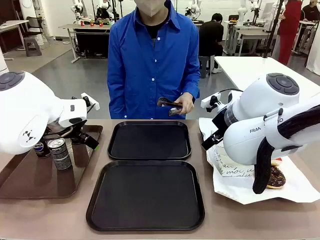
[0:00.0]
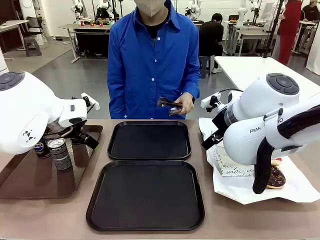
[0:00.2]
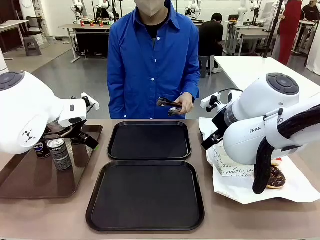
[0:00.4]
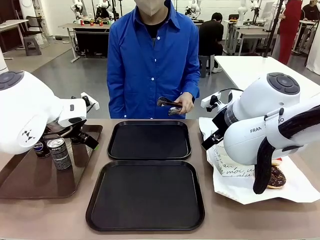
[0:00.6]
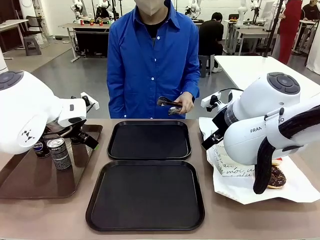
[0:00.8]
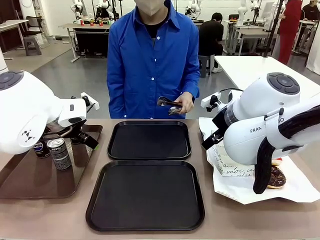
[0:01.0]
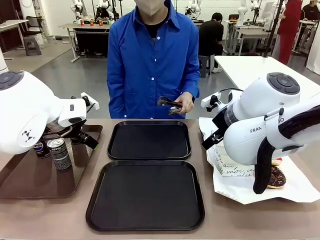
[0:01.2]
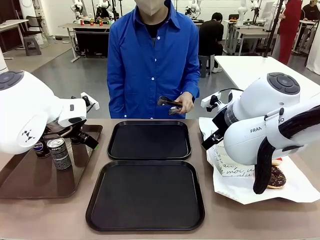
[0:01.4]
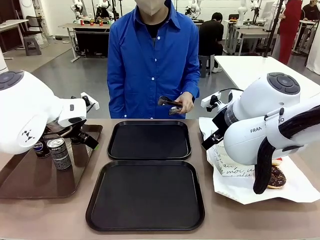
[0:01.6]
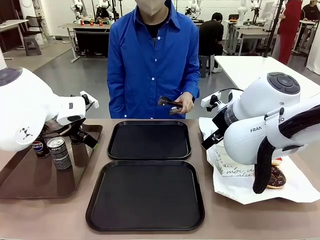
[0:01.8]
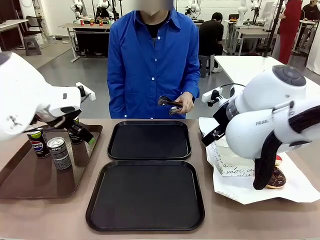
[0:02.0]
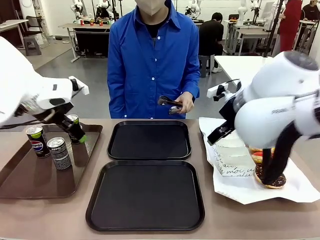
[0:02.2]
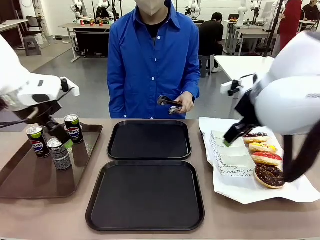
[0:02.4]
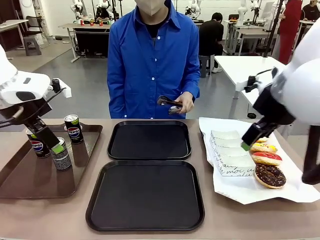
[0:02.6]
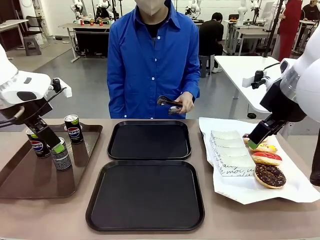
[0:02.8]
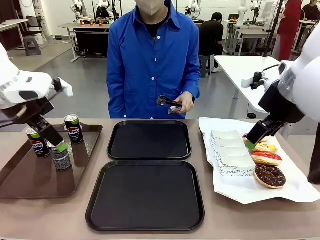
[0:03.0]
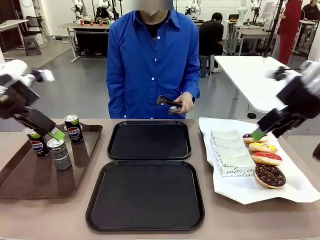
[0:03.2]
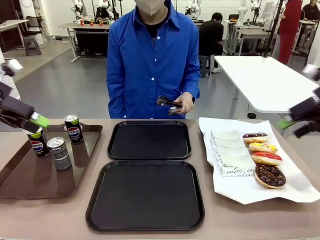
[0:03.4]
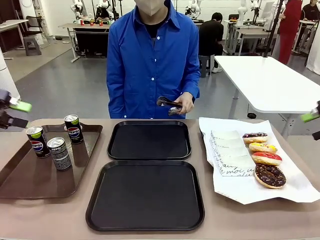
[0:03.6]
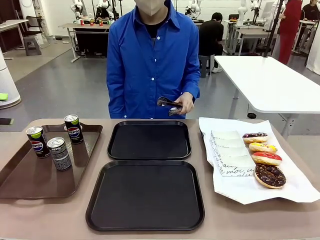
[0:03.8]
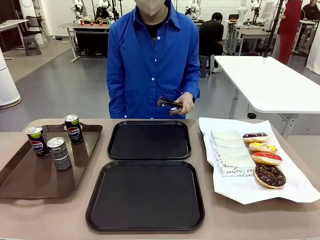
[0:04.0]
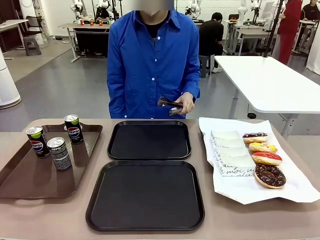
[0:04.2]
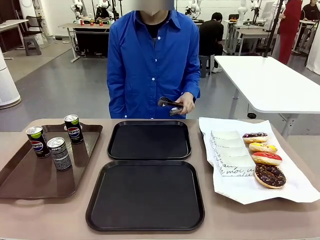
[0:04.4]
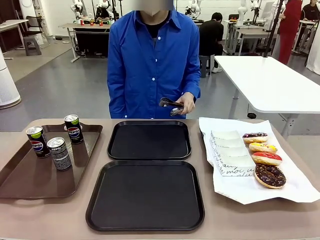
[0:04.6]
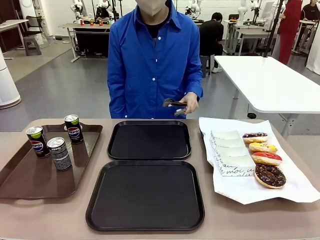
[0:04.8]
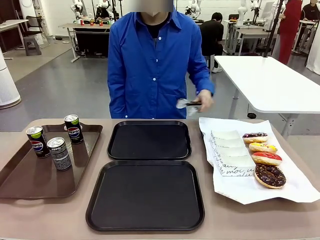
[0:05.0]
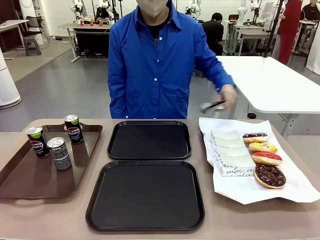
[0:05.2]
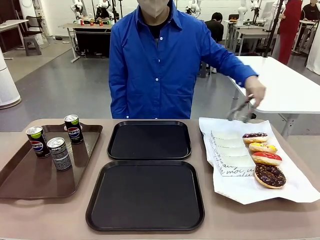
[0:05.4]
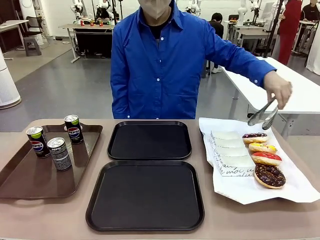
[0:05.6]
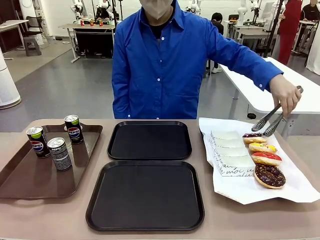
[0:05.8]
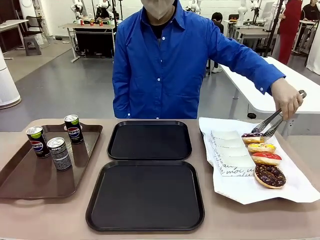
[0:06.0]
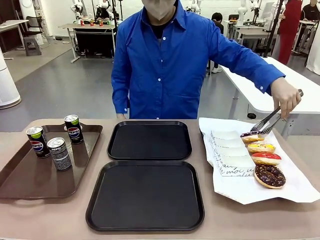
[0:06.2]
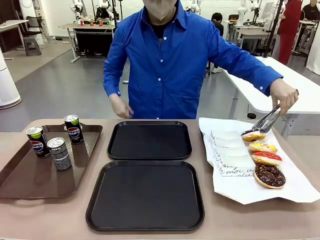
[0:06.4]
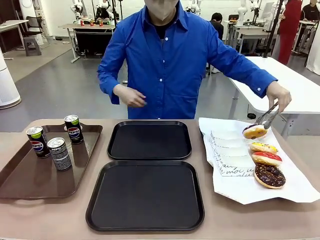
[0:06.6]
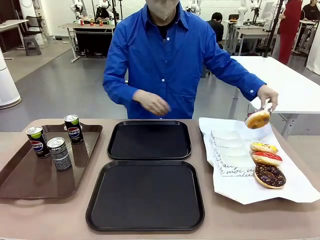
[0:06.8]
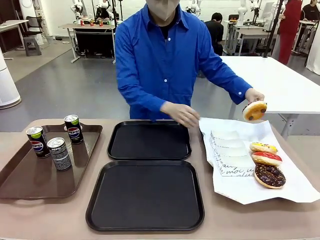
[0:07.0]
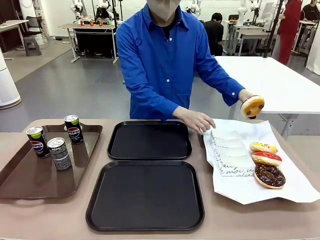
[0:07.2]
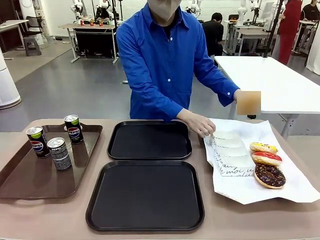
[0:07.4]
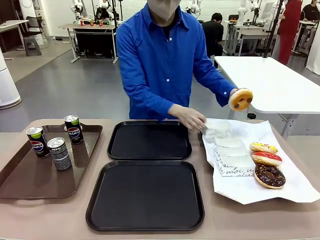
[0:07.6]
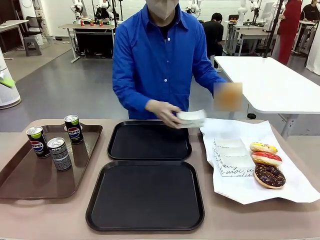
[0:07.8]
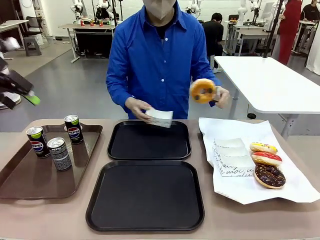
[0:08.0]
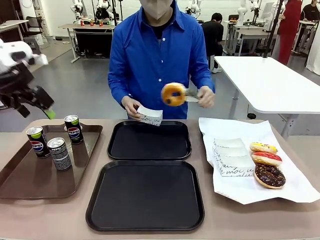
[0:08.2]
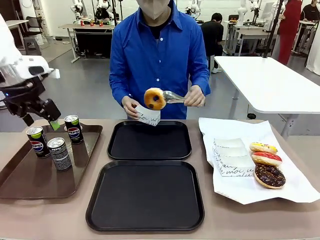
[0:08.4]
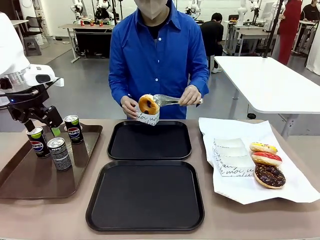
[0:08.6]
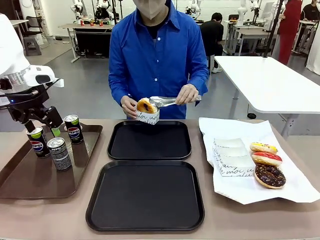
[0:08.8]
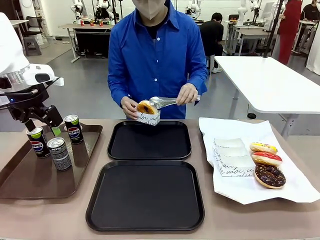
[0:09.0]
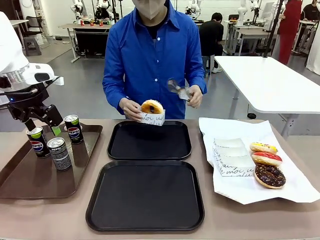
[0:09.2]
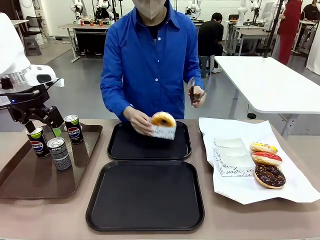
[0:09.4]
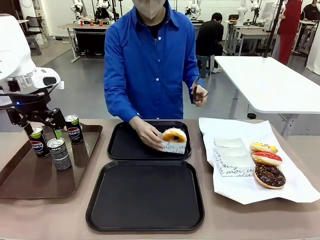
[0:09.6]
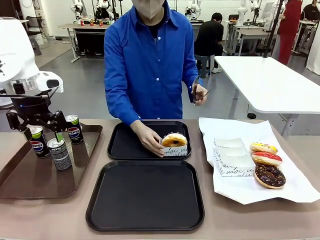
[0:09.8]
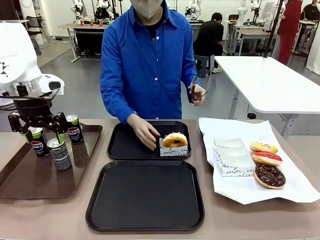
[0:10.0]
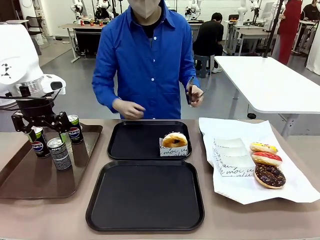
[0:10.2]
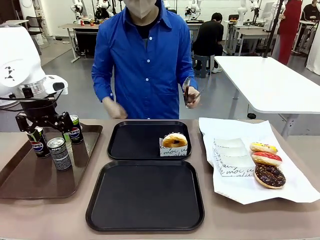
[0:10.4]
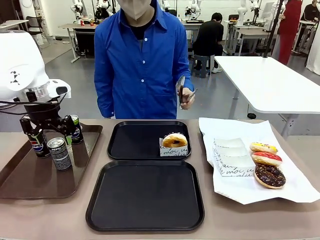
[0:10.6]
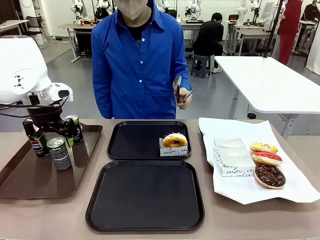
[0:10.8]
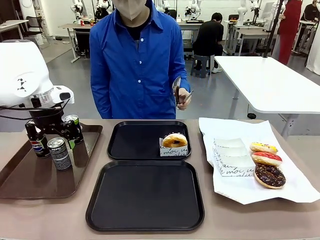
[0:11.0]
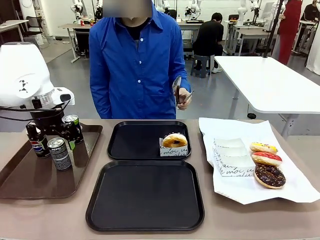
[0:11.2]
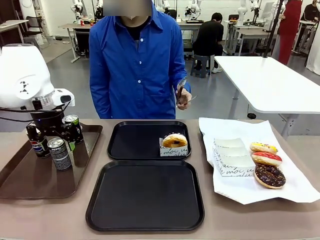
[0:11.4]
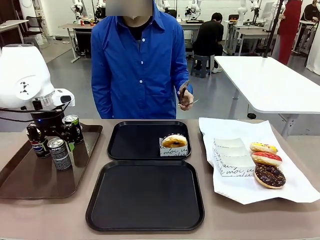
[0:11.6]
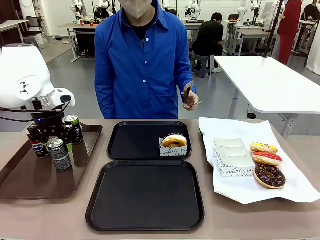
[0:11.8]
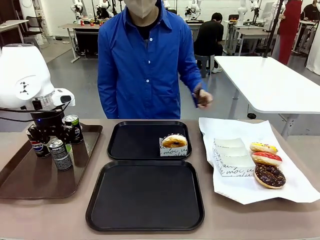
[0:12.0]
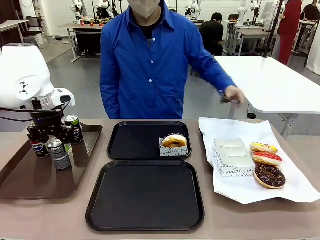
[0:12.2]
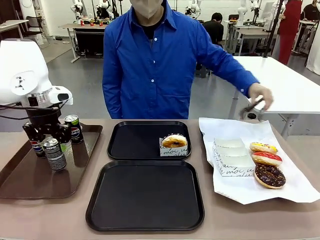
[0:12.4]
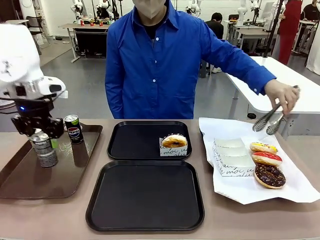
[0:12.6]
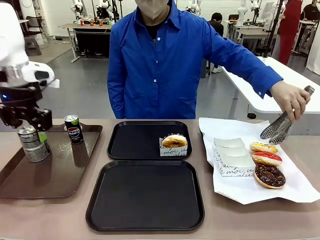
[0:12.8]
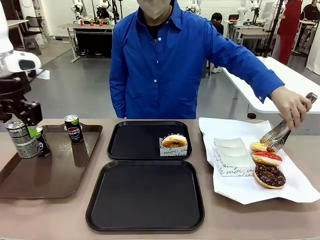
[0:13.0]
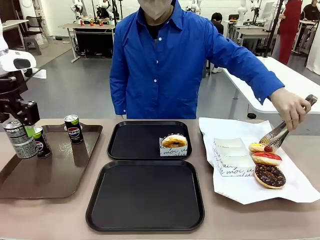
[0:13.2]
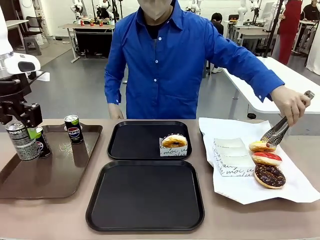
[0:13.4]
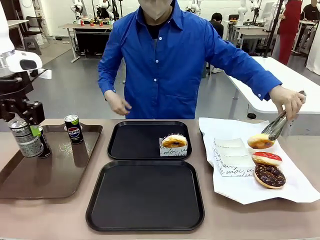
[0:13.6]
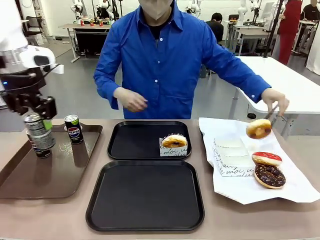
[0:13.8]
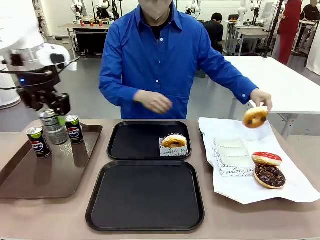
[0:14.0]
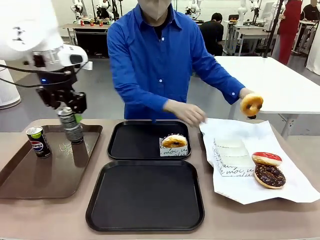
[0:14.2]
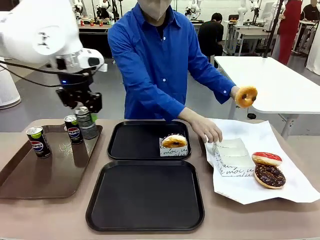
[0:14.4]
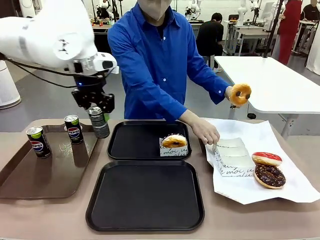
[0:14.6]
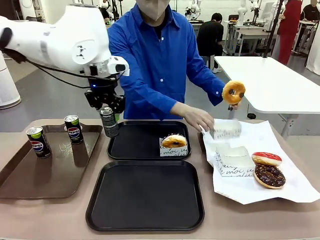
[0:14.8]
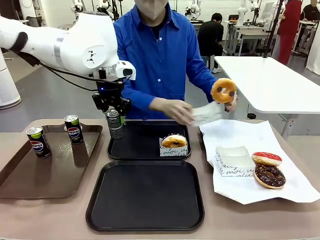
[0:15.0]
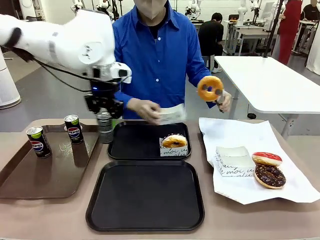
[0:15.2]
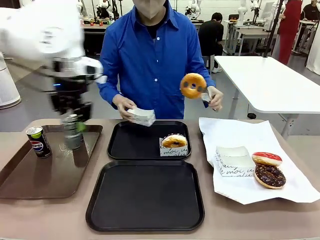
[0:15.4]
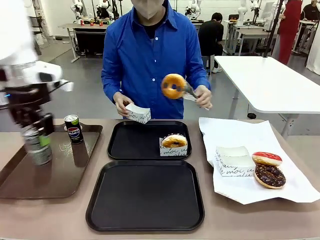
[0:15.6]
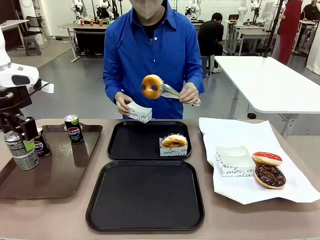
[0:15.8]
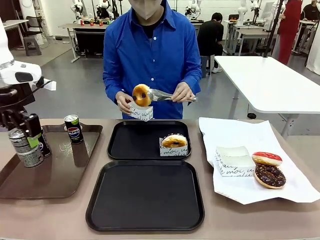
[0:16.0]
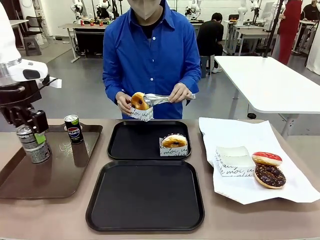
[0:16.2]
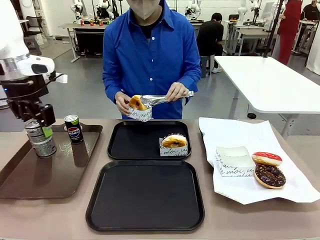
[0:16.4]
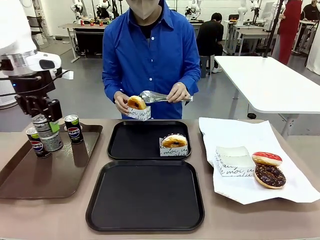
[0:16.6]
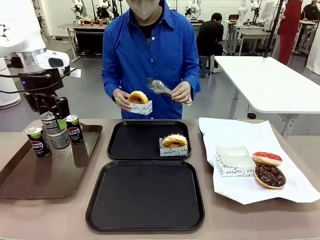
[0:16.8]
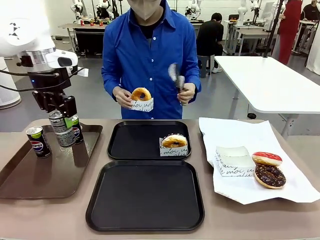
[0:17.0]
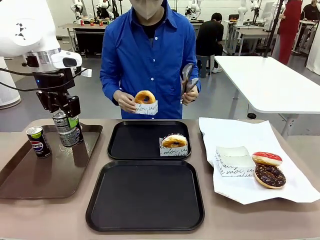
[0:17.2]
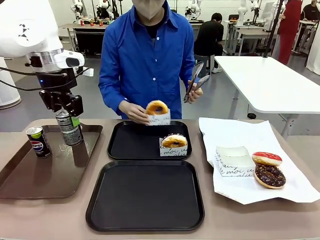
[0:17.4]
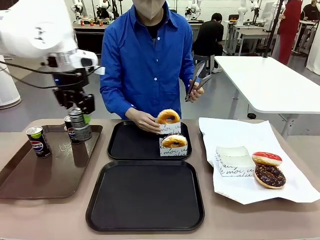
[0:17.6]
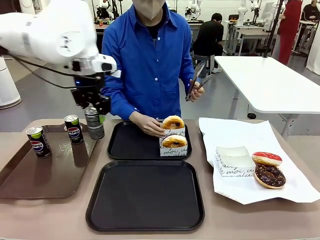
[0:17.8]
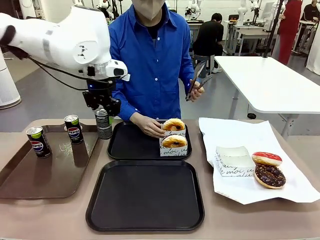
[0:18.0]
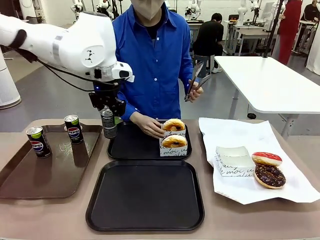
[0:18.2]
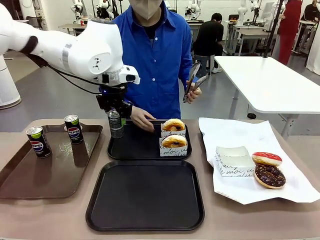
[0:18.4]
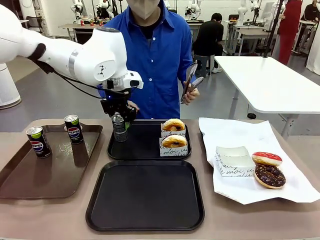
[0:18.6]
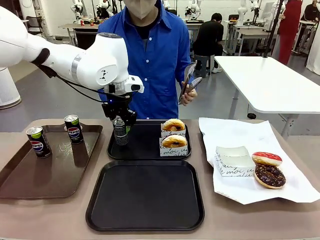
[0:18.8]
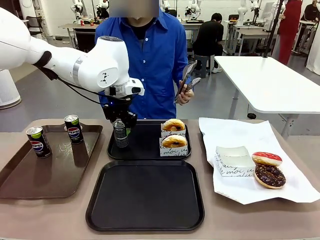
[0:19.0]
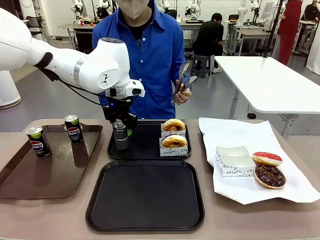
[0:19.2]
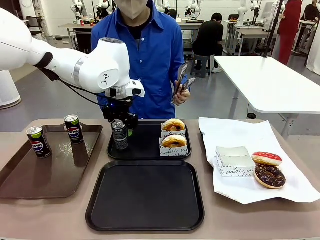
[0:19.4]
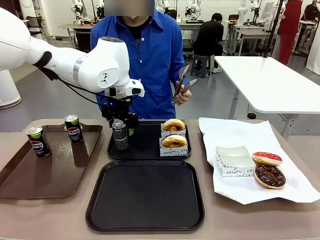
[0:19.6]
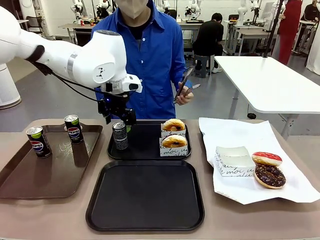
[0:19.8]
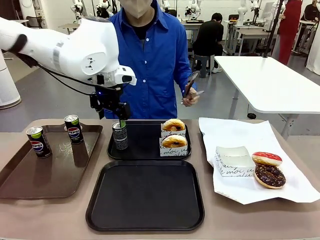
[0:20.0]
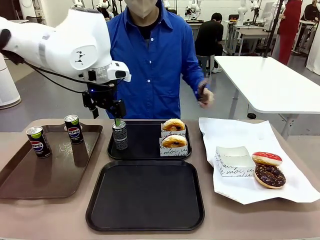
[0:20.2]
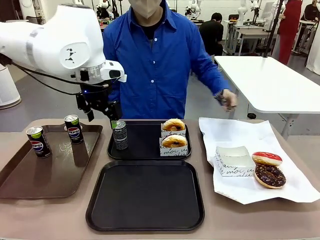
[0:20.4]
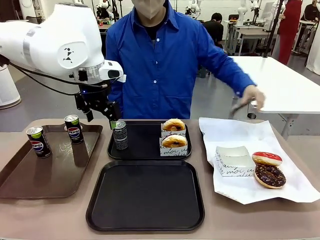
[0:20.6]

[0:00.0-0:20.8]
Task: Set up donuts and drinks on trays.
Robot: Pick up one Pepsi coke and place it on the Flat Tray.
